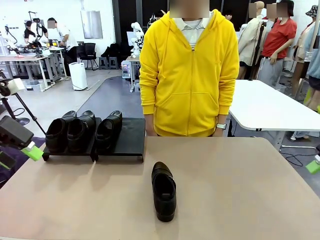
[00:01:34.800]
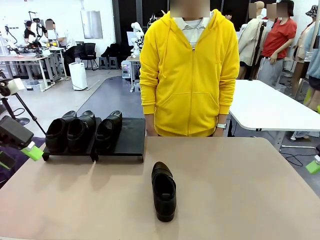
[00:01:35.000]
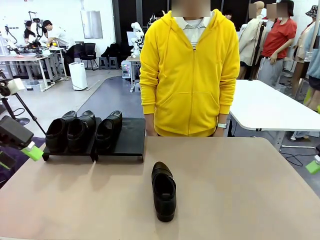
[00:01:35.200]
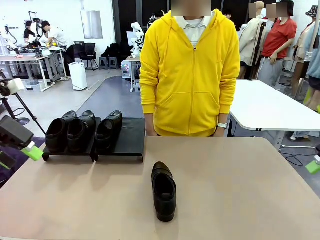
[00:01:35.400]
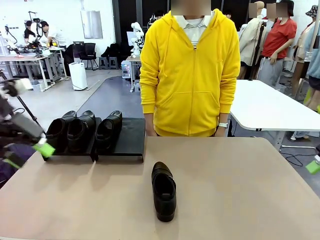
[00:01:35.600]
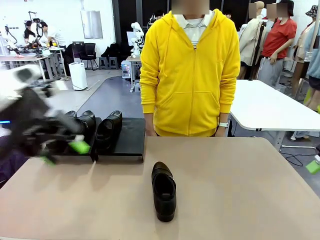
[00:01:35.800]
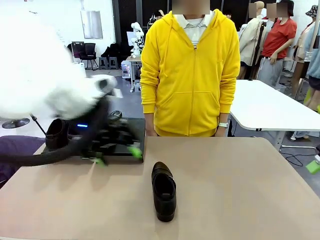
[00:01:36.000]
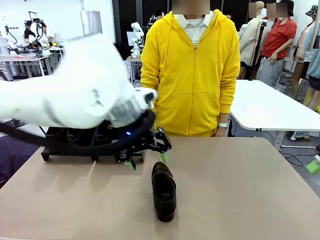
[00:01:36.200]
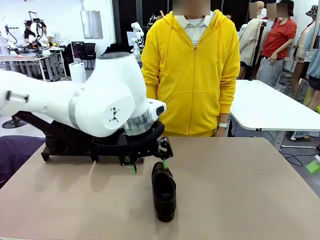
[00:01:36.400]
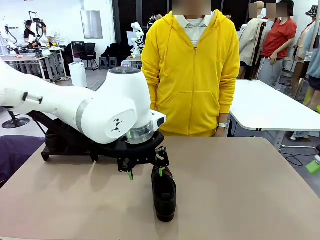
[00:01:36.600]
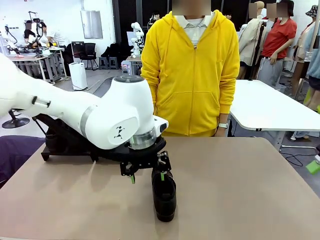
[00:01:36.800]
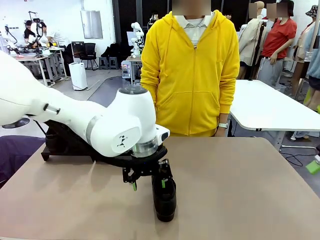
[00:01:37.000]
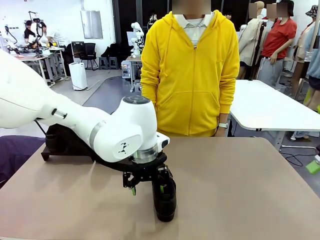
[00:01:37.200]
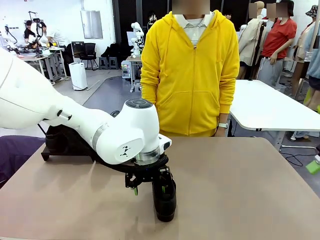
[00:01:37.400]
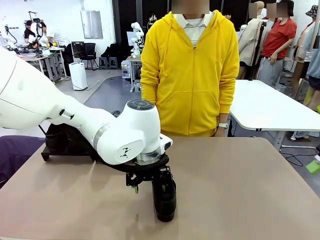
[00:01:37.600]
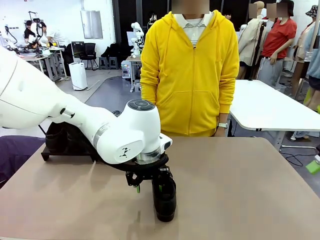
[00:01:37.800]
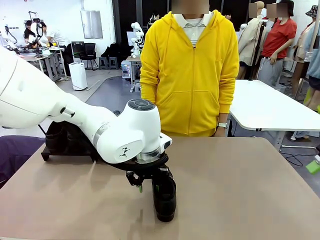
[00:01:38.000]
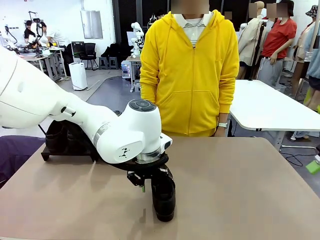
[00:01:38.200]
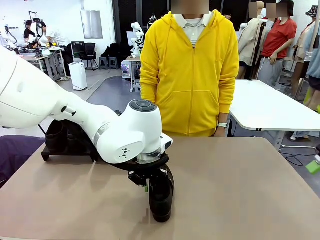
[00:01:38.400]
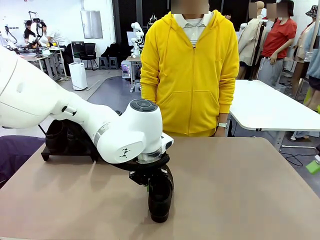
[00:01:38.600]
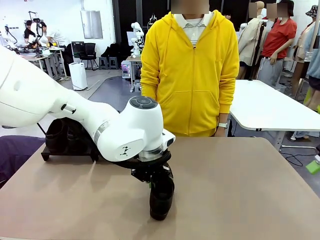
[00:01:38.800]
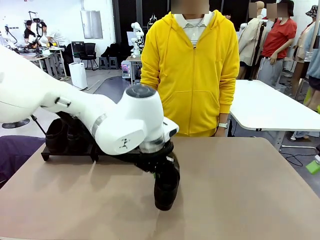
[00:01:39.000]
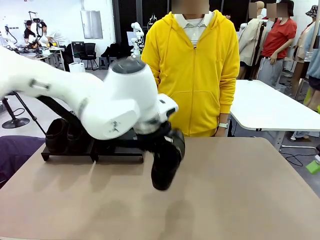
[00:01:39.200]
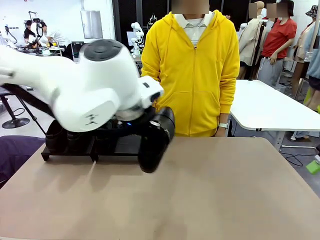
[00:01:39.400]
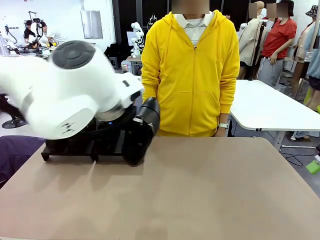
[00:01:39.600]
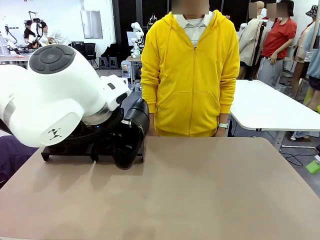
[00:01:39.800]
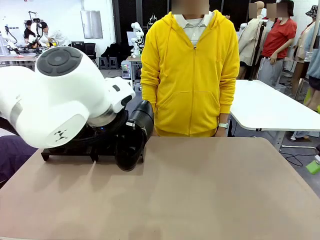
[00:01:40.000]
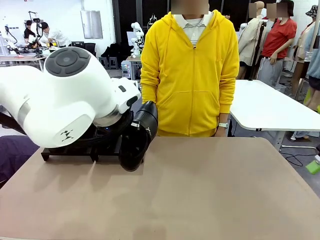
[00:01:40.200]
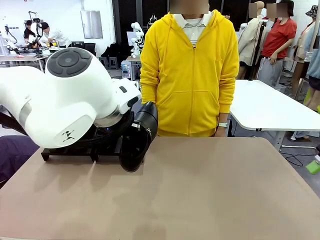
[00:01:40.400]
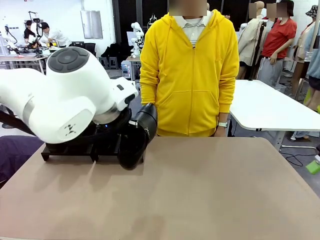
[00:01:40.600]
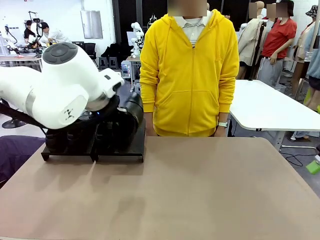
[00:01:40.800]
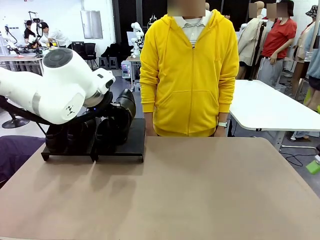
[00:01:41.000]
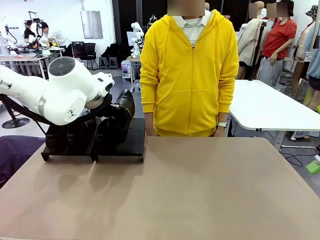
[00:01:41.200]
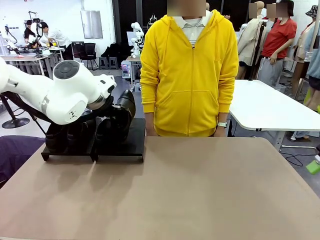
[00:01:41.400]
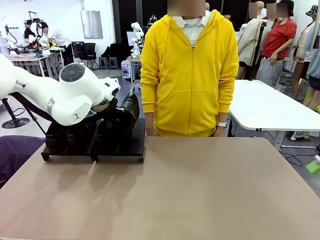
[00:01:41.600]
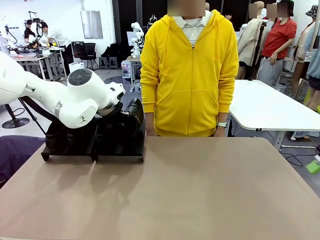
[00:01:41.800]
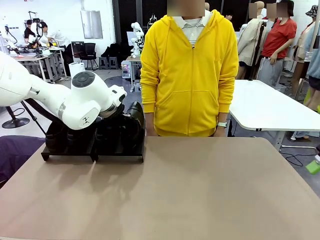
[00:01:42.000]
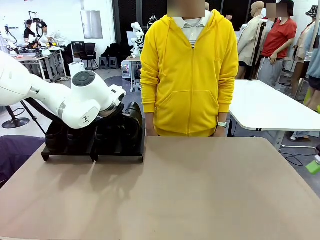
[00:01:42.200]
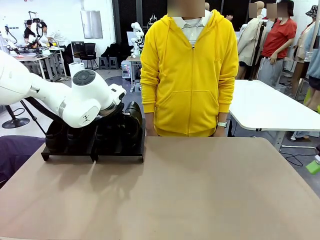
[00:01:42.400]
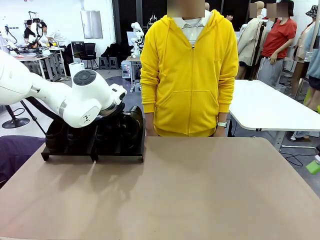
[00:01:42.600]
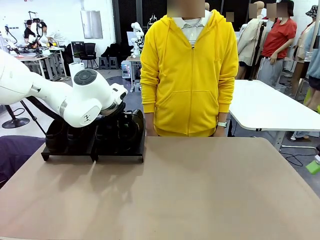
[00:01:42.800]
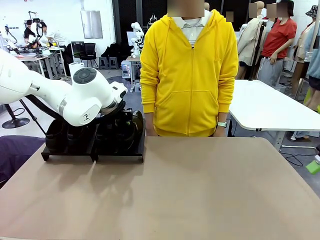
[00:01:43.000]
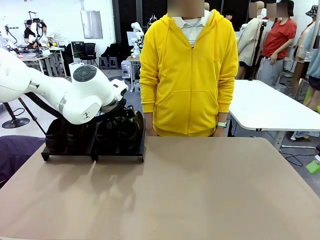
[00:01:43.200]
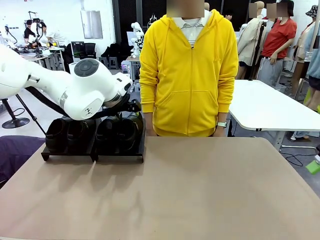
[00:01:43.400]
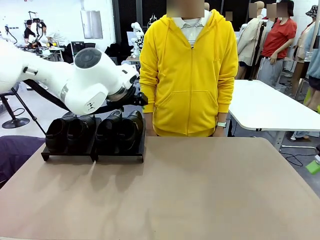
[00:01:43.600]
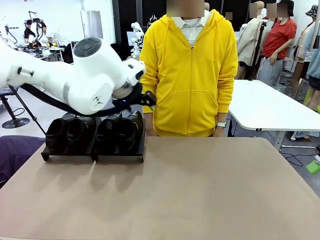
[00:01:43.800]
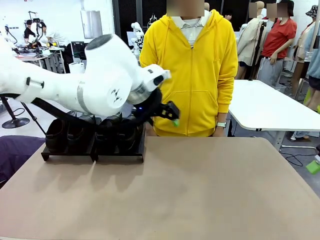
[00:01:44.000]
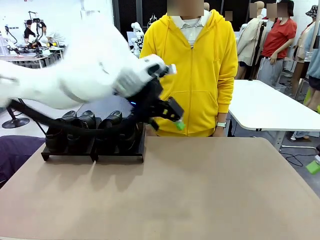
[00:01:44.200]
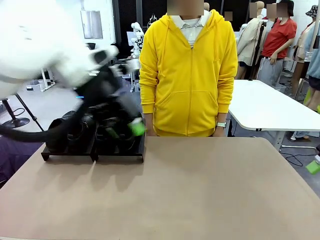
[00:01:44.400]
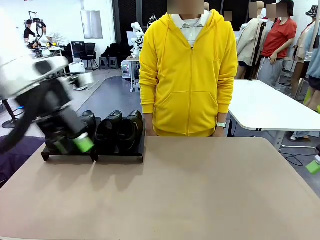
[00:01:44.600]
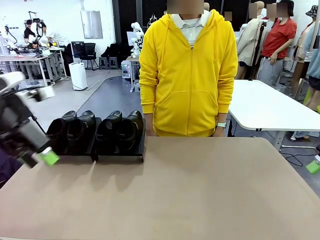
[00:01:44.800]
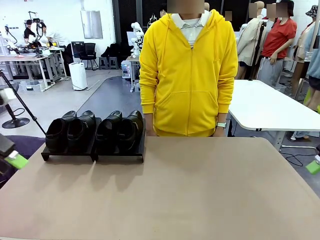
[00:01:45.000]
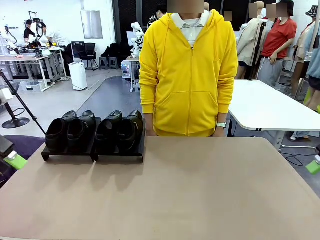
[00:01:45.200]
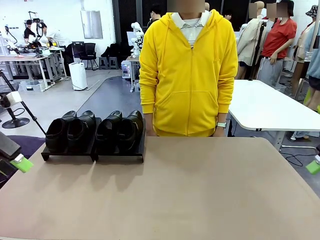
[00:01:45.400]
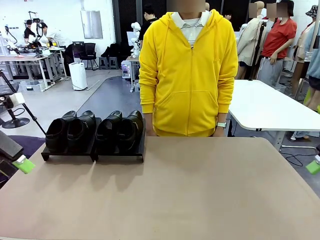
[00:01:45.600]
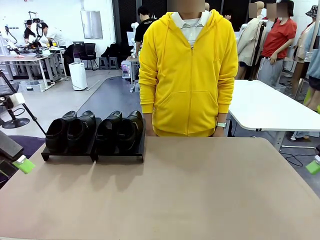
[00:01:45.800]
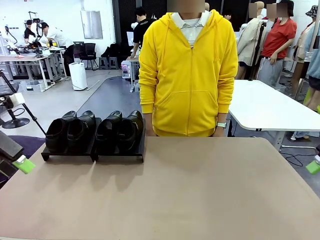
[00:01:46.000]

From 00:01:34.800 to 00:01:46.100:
Task: Organize the shoes by placing them on the stand.
Robot: Place the Shoe from the middle of the table onto the Shoes Stand.
